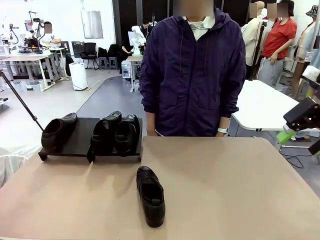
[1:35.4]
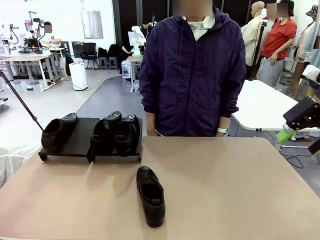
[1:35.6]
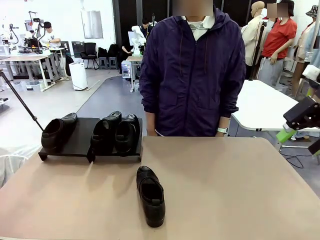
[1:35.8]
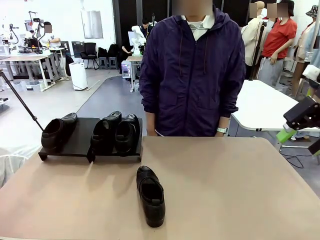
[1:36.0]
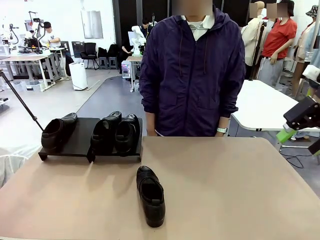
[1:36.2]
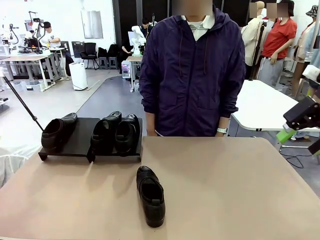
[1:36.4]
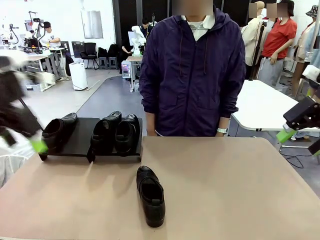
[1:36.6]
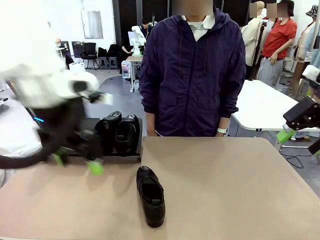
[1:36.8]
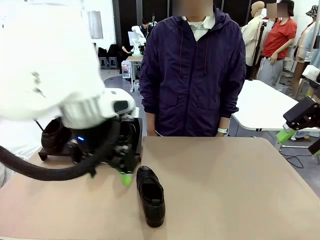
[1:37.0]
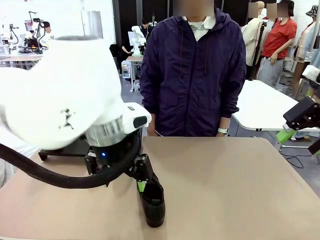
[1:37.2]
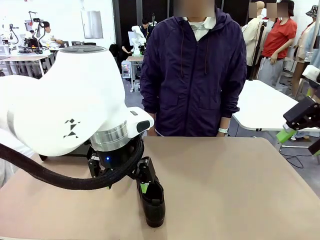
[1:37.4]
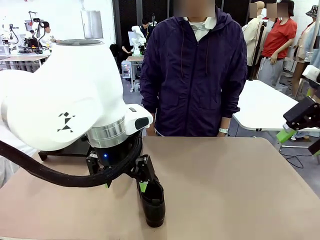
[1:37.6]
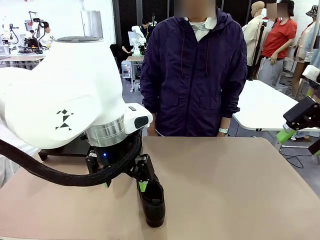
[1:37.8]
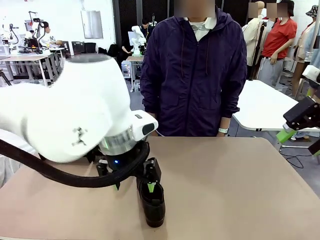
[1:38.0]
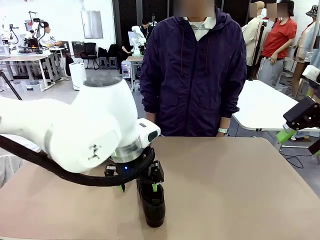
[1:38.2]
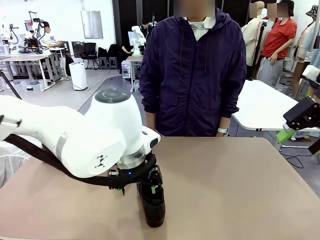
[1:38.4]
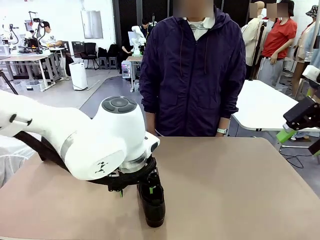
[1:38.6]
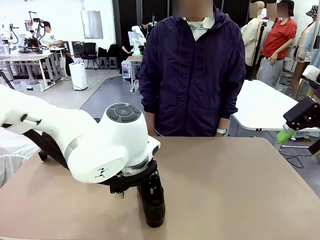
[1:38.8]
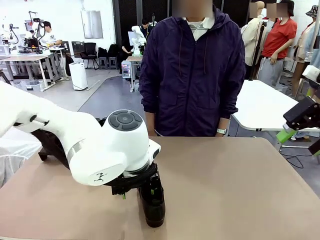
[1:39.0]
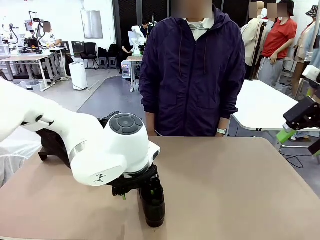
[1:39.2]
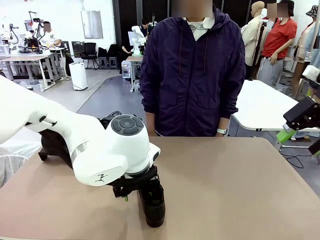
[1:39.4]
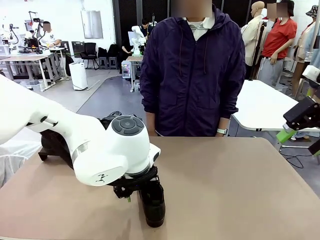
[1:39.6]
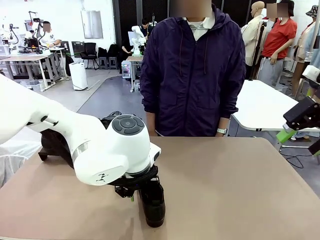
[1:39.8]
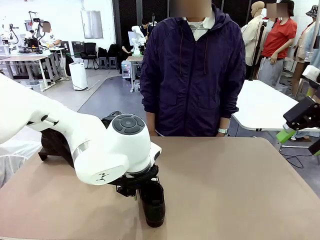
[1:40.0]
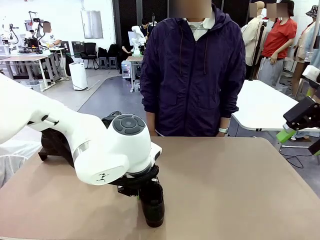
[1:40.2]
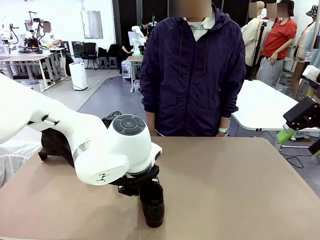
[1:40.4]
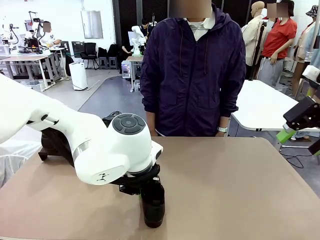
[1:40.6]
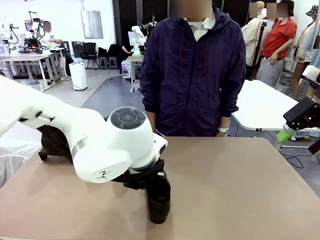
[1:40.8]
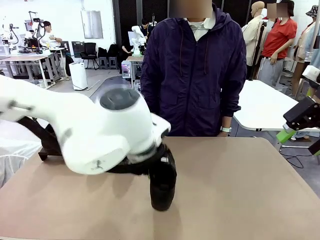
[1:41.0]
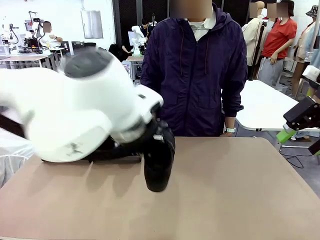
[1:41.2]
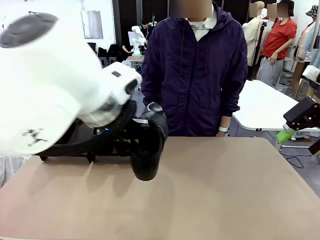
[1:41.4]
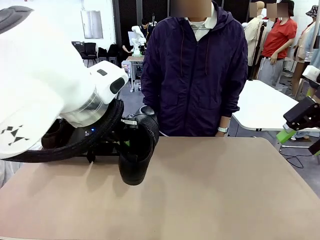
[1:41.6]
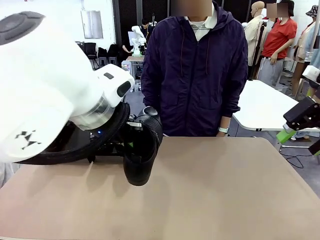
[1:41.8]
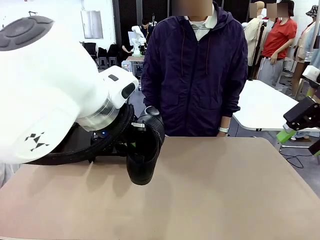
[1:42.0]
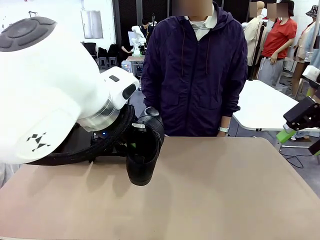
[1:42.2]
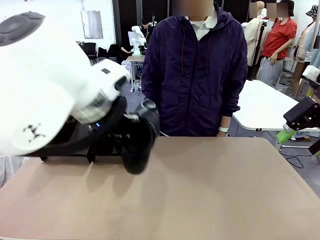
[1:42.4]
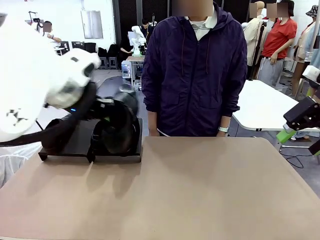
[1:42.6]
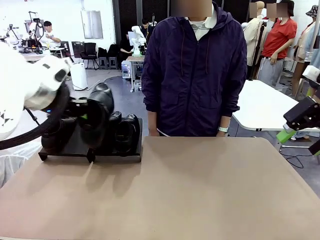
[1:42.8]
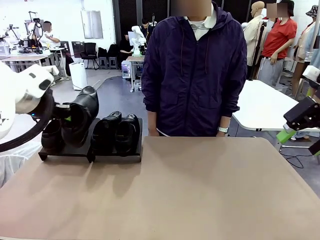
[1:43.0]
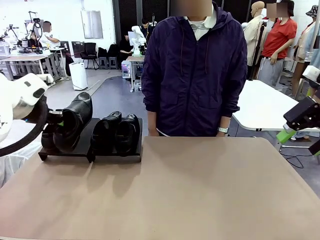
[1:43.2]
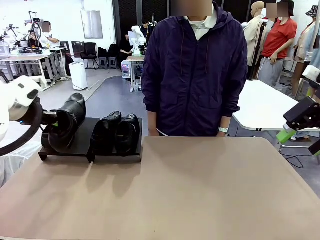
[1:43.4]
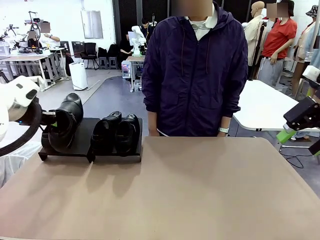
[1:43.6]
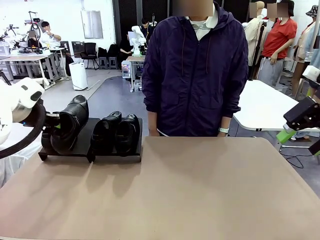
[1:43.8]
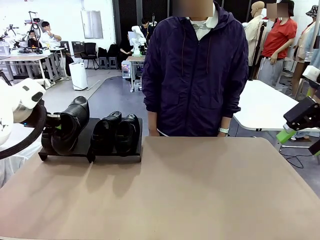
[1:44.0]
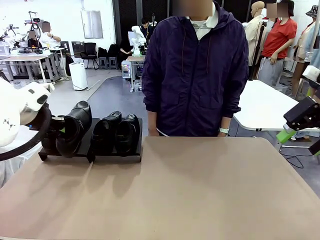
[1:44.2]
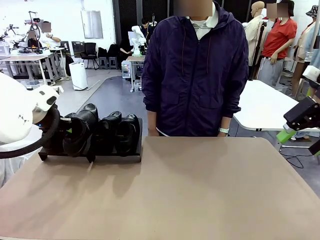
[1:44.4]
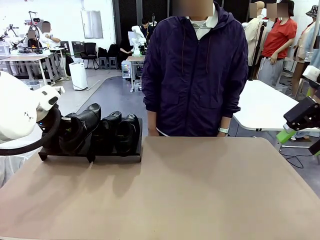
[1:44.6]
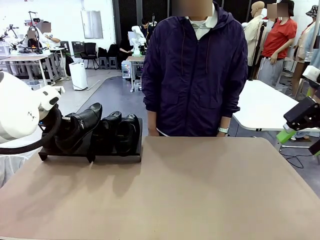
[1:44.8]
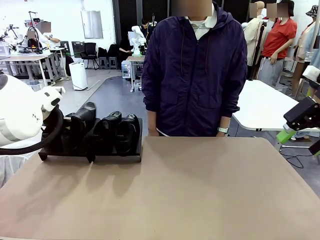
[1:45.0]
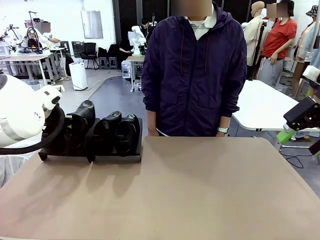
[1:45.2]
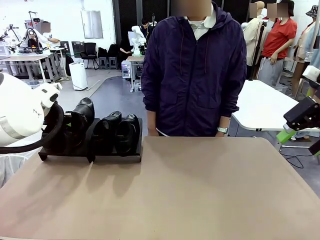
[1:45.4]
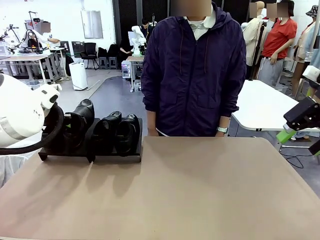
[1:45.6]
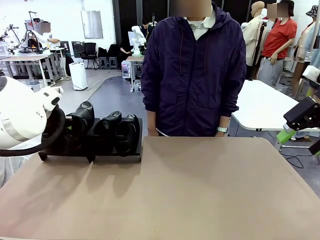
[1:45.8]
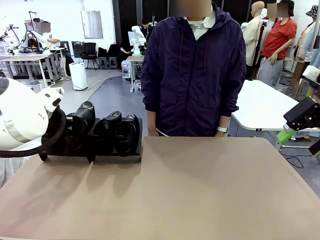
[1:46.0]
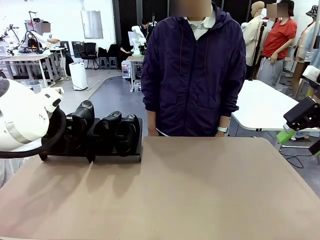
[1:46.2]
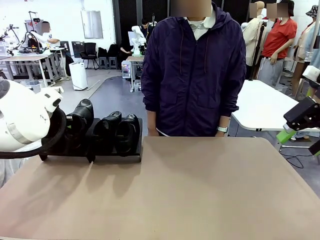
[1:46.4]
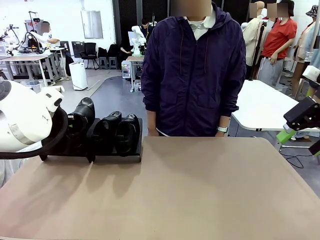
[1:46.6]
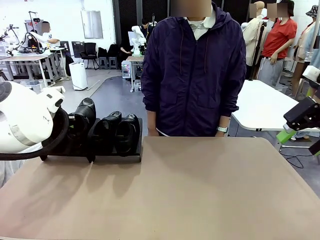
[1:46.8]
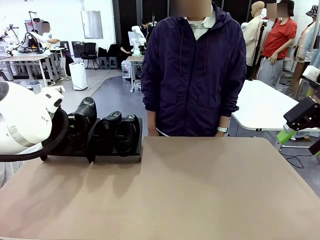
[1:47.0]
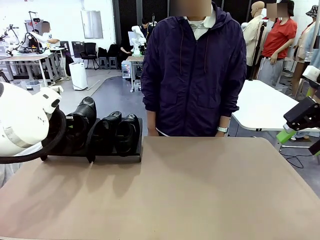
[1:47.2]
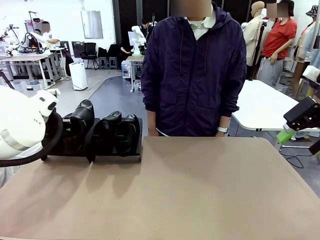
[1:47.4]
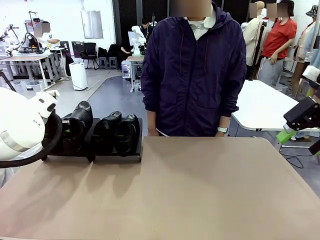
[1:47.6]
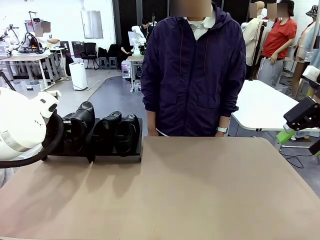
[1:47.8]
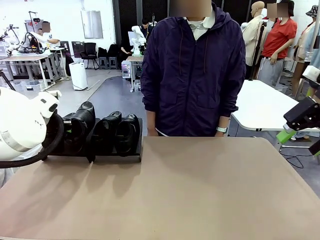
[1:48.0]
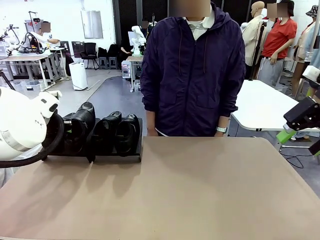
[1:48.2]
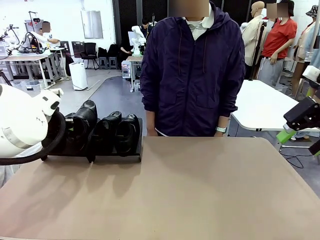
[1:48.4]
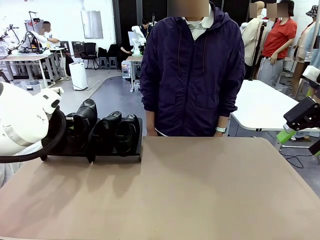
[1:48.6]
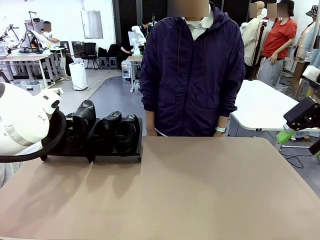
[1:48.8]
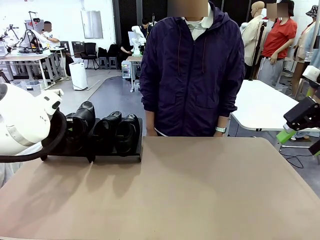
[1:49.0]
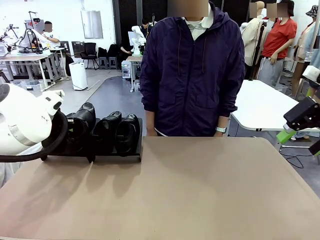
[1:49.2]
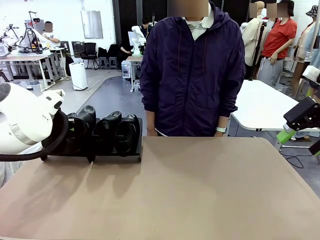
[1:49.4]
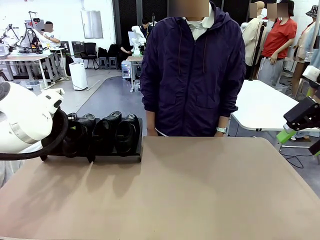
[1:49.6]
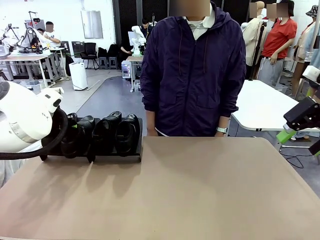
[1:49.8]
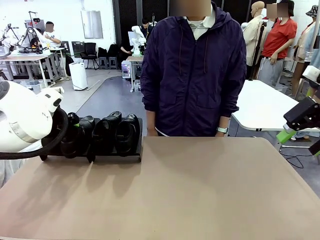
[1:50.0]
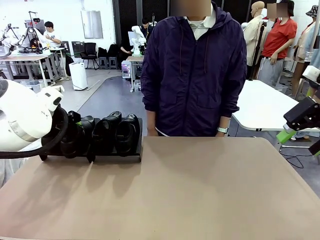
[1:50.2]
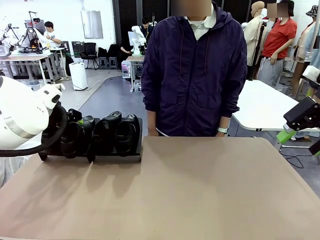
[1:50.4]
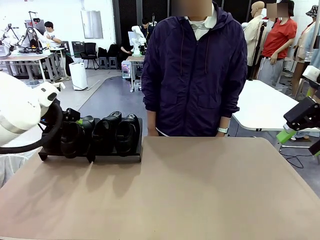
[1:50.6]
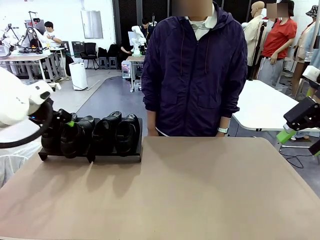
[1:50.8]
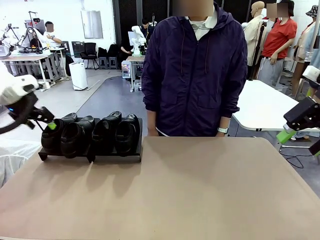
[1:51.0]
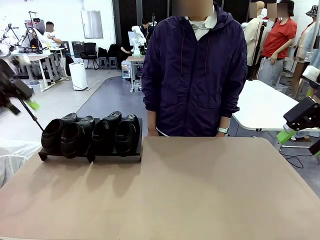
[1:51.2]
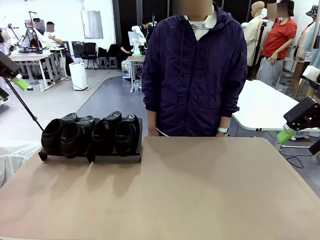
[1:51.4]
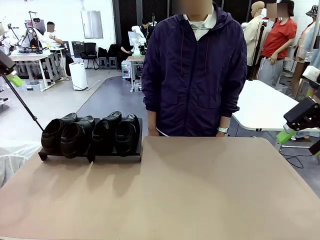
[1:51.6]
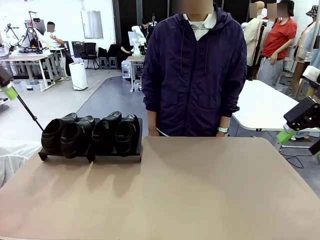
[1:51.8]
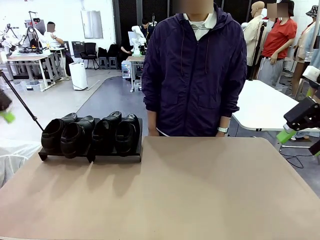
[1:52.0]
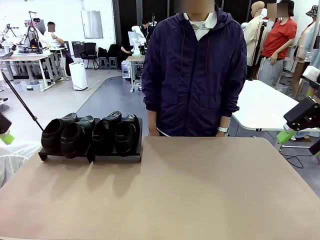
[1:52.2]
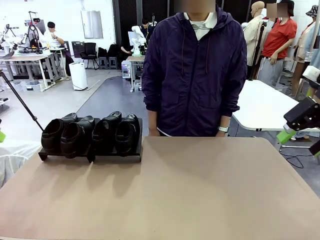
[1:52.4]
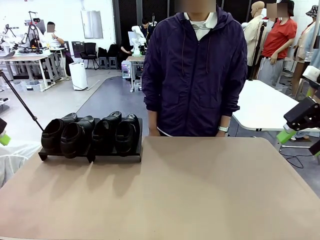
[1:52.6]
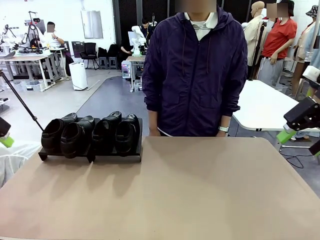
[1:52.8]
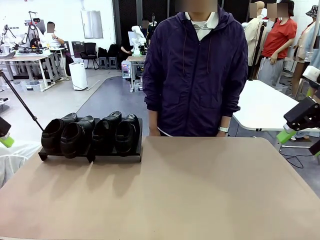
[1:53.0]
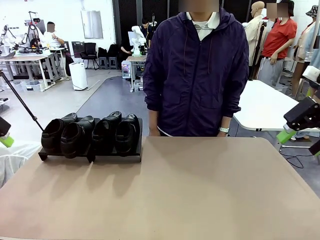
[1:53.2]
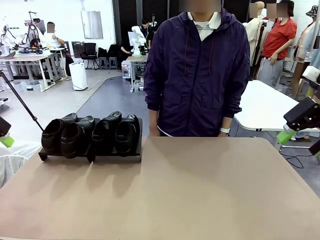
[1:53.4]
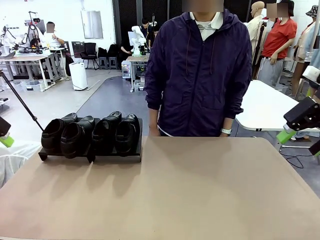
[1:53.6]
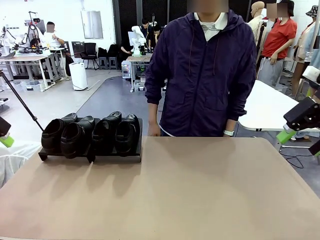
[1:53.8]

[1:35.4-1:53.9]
Task: Organize the shoes by placing them on the stand.
Robot: Place the Shoe from the middle of the table onto the Shoes Stand.
